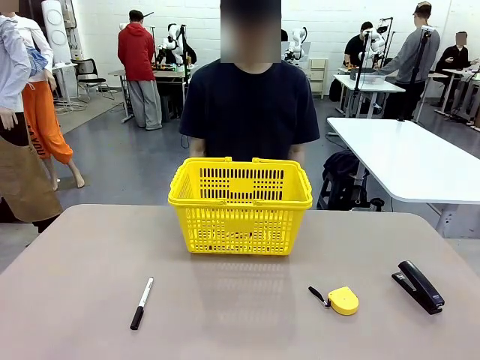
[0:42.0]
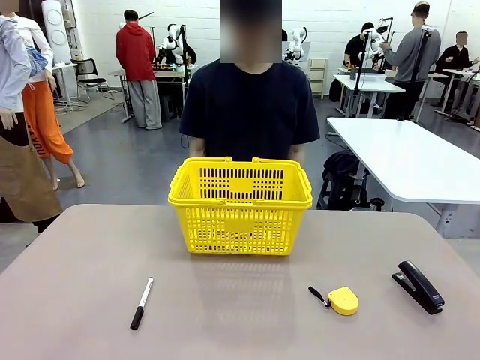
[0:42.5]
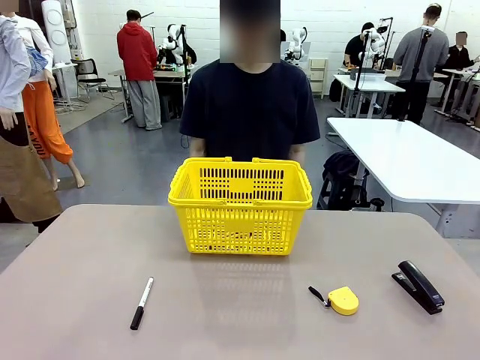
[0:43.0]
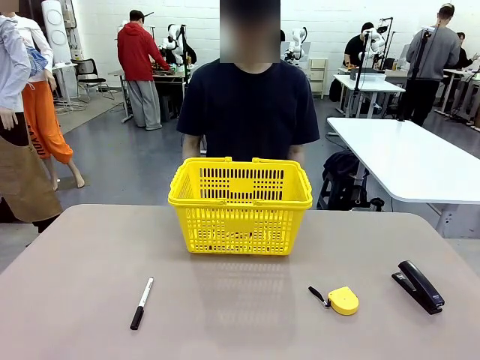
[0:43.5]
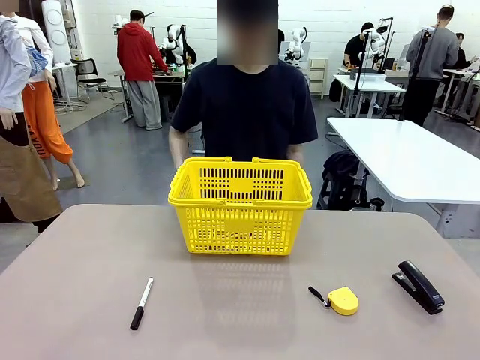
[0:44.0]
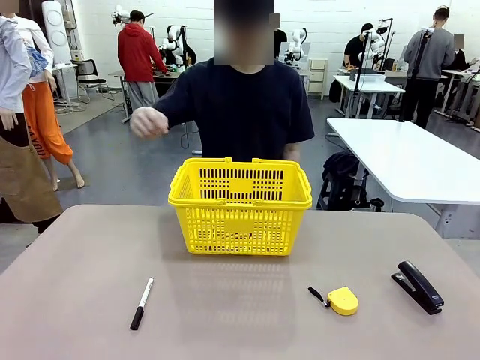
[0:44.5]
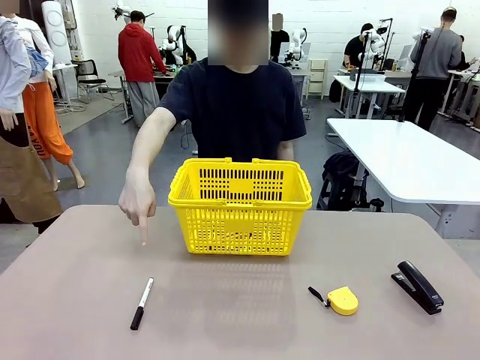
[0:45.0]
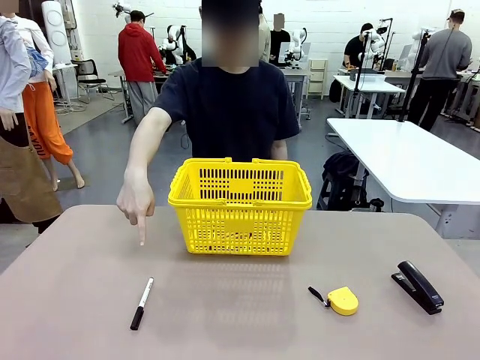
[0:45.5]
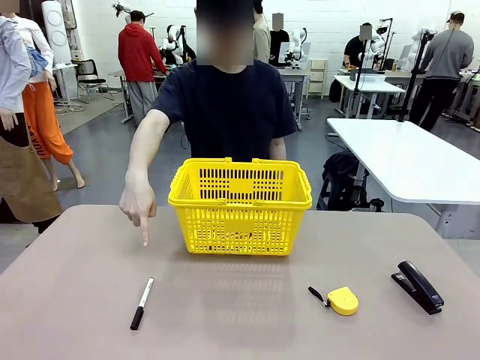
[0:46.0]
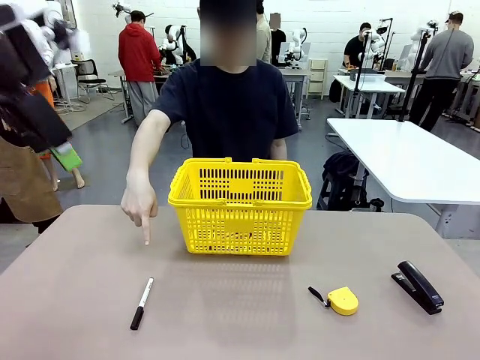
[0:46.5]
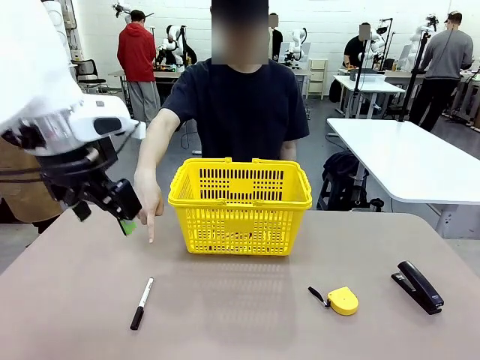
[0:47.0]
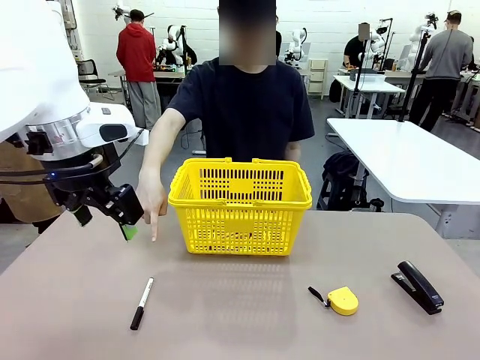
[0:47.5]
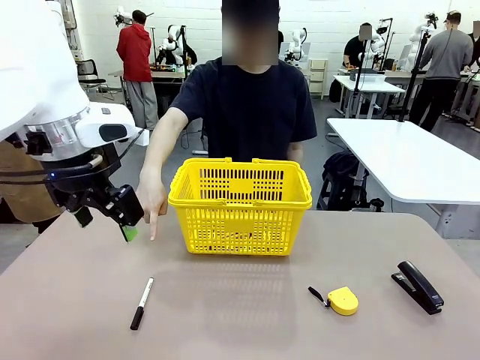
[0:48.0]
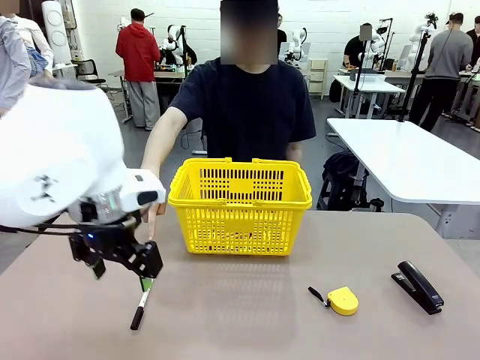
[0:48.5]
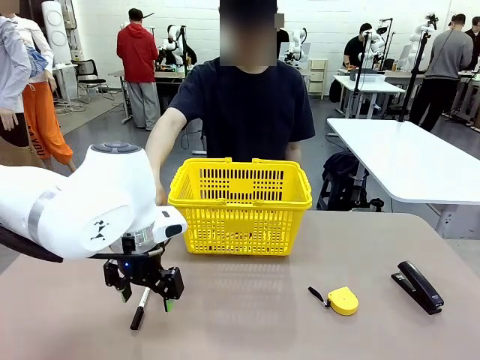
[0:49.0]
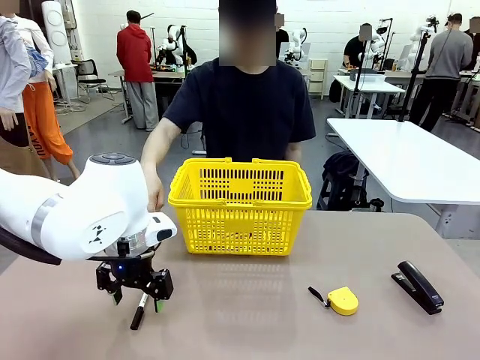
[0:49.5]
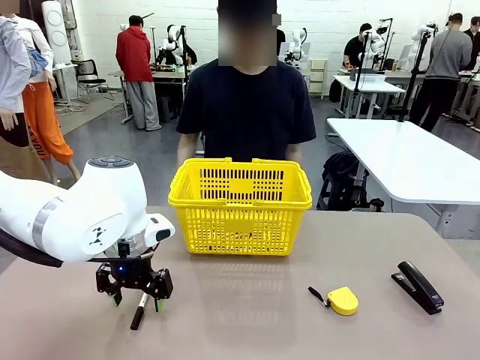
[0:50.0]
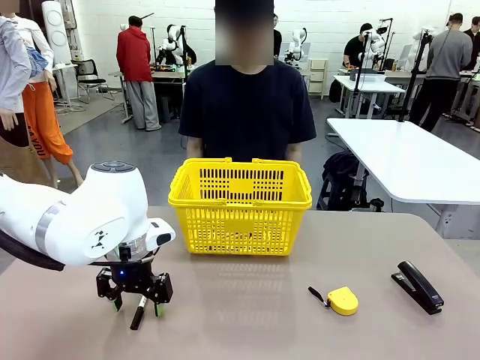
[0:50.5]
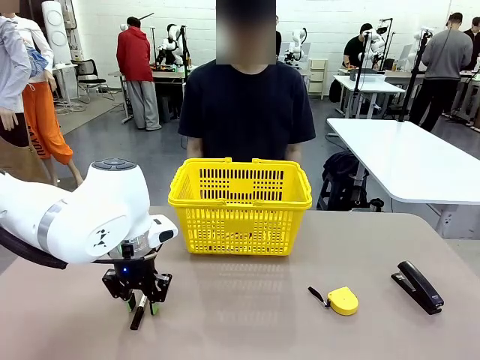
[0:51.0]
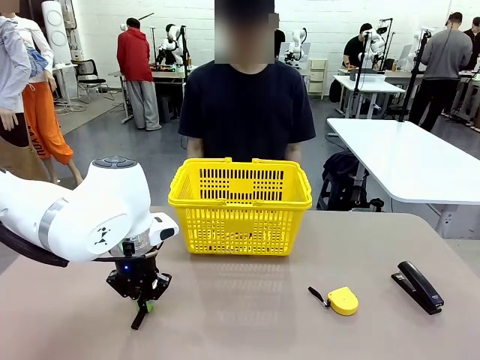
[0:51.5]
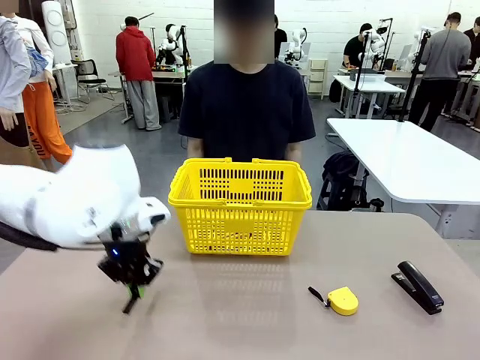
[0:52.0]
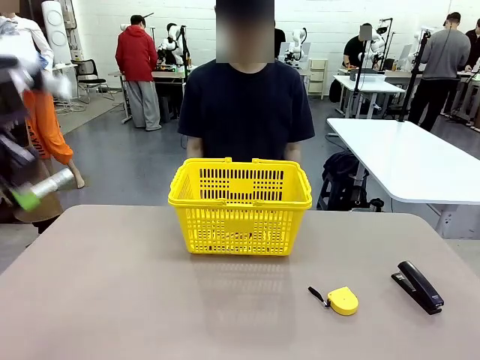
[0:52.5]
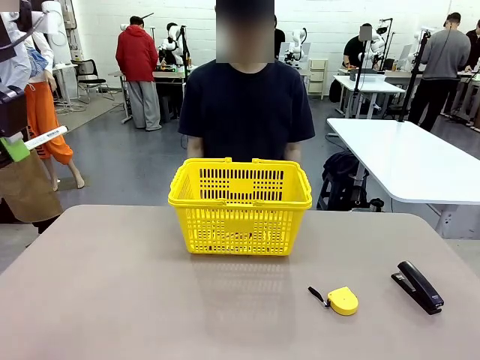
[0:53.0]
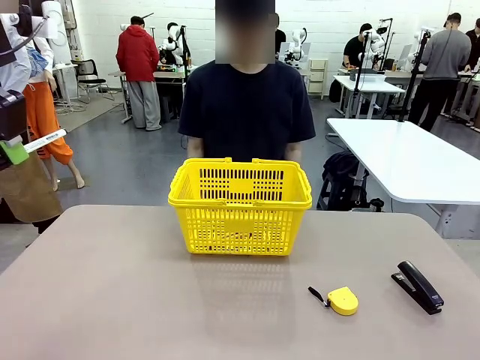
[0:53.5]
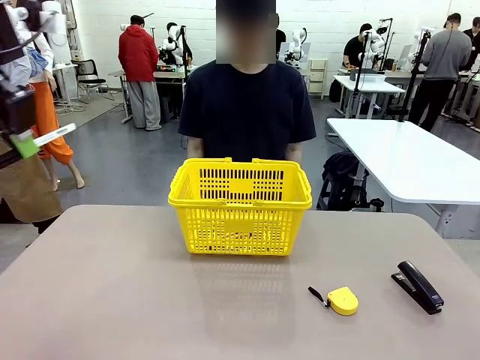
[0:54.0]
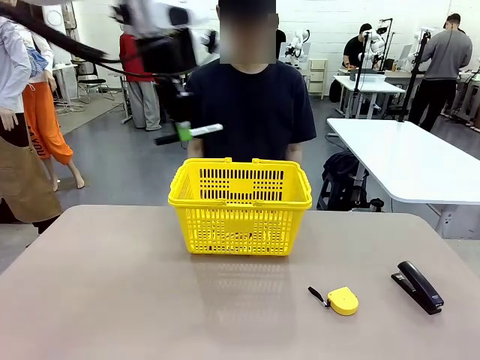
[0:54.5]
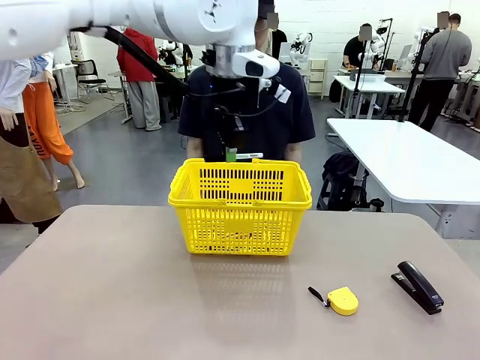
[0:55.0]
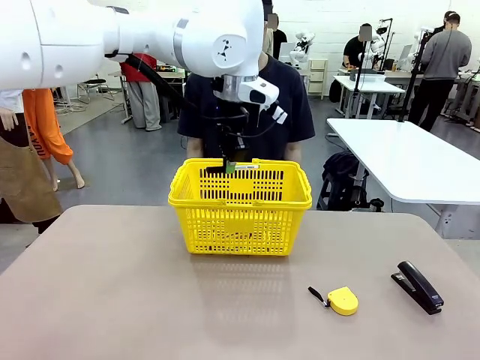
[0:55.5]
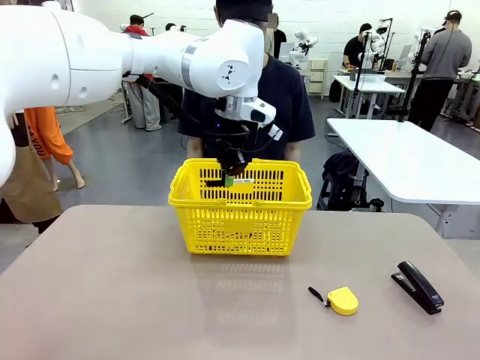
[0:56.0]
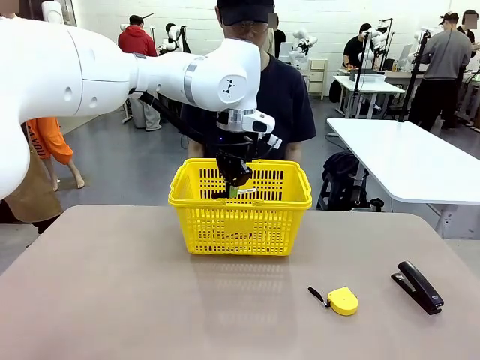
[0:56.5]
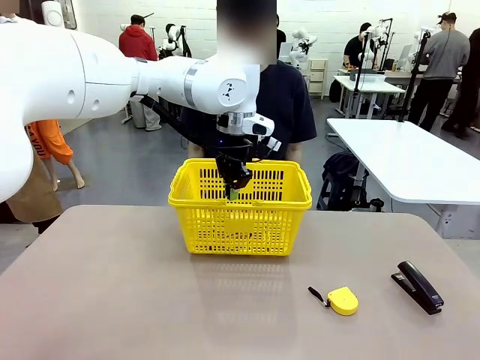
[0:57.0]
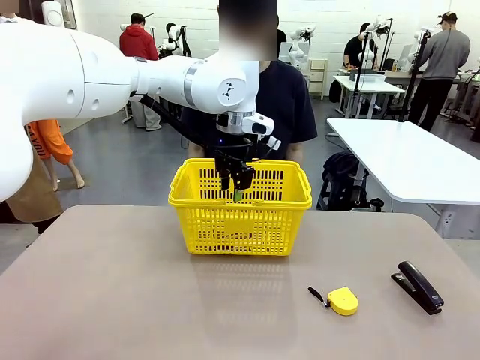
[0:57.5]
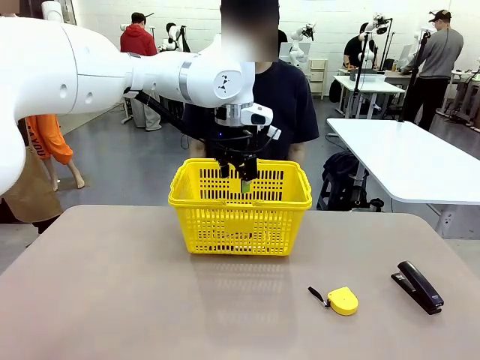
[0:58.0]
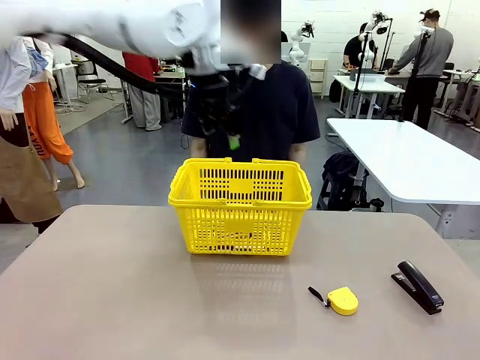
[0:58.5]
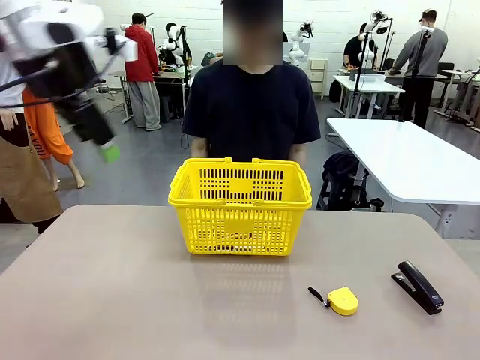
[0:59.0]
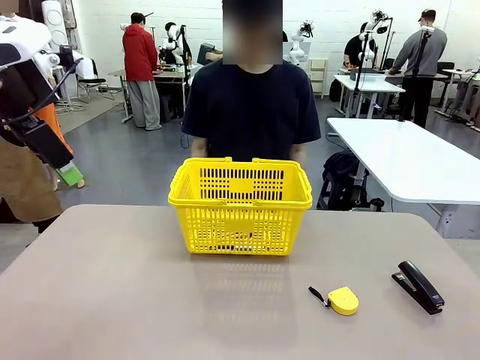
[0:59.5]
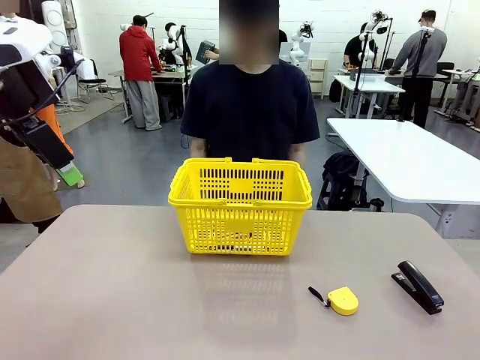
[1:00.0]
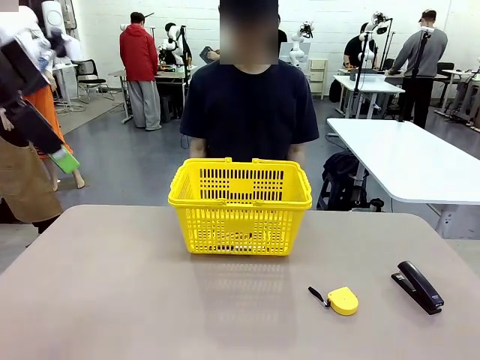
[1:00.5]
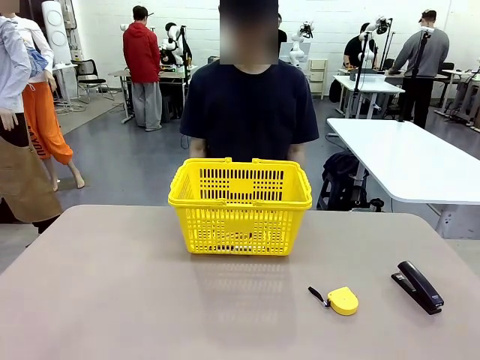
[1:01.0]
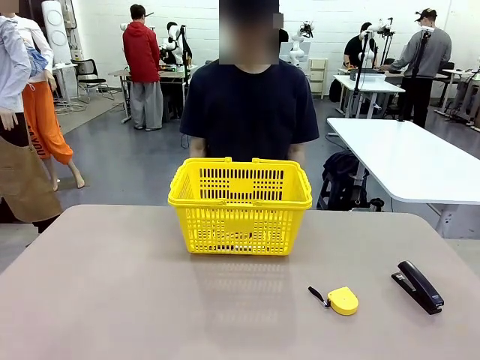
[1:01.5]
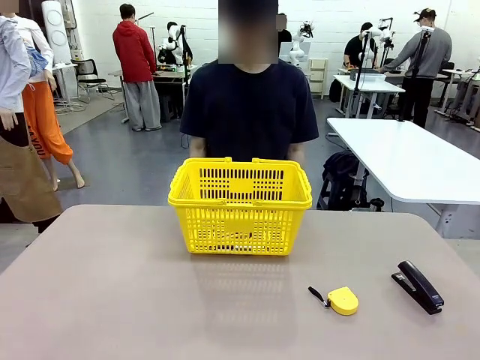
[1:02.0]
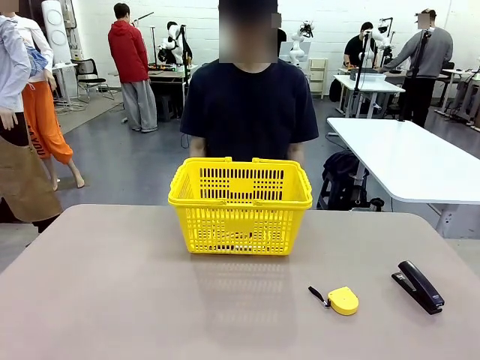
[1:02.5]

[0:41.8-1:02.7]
Task: Place the items the person wants into the basket.
Robot: Pick up the item the person points to and place it in the Market Basket.

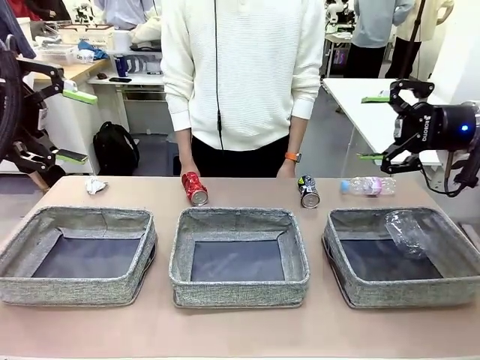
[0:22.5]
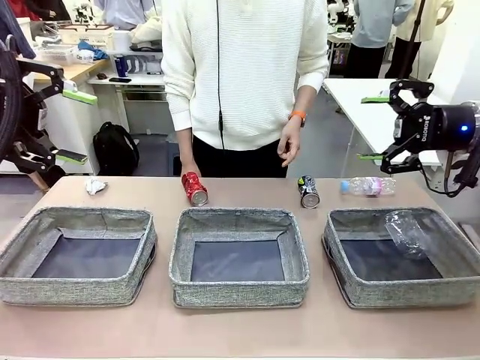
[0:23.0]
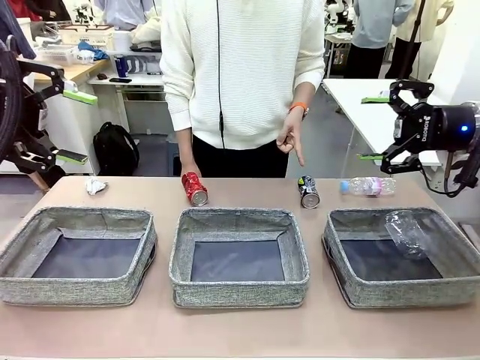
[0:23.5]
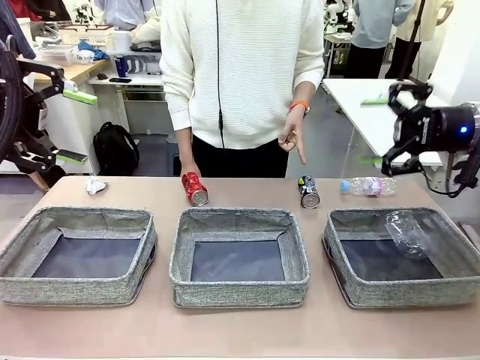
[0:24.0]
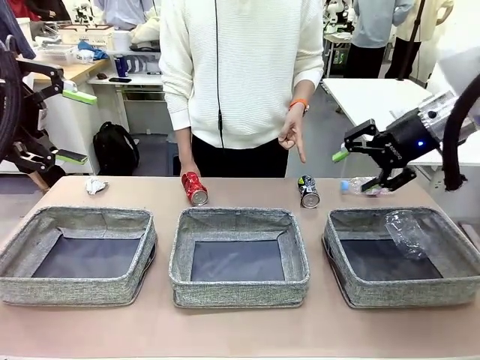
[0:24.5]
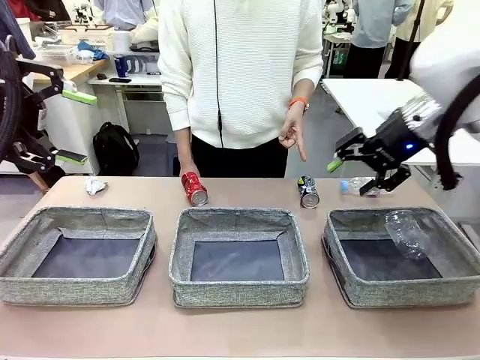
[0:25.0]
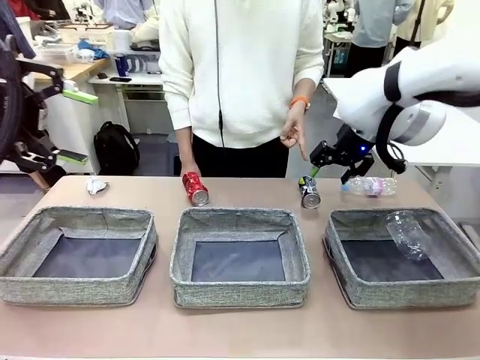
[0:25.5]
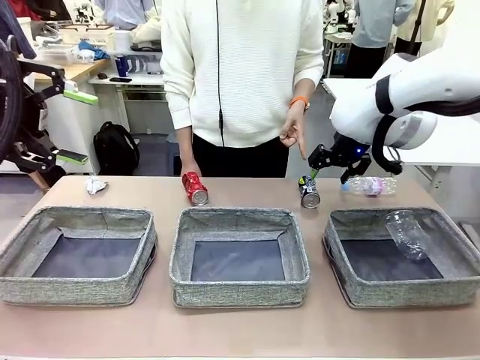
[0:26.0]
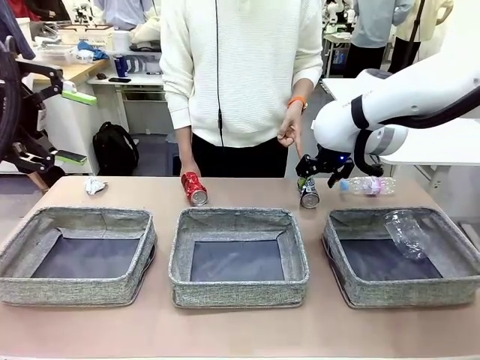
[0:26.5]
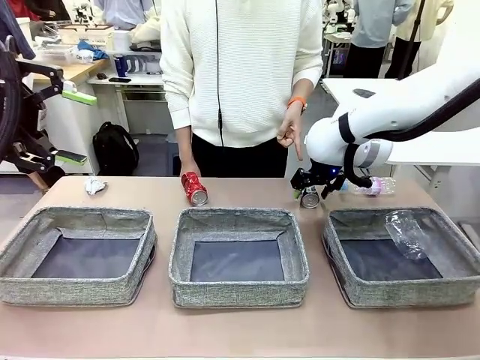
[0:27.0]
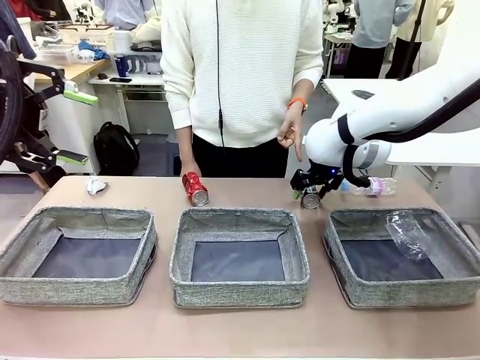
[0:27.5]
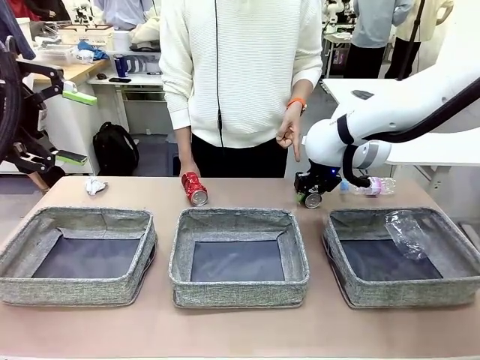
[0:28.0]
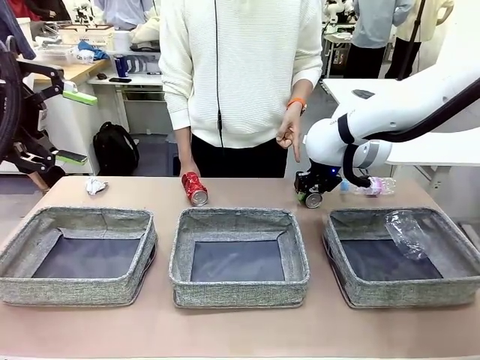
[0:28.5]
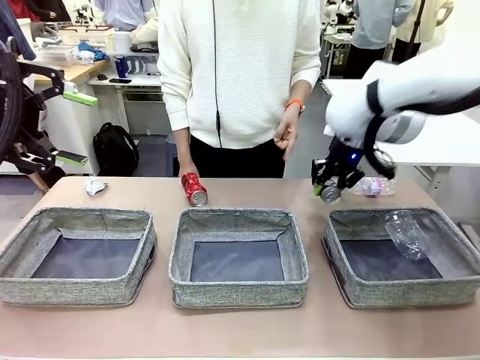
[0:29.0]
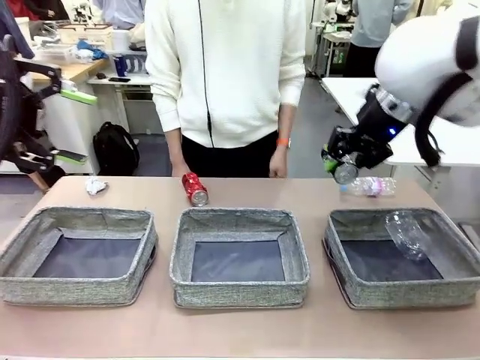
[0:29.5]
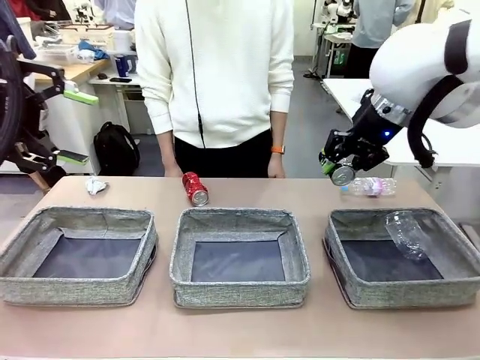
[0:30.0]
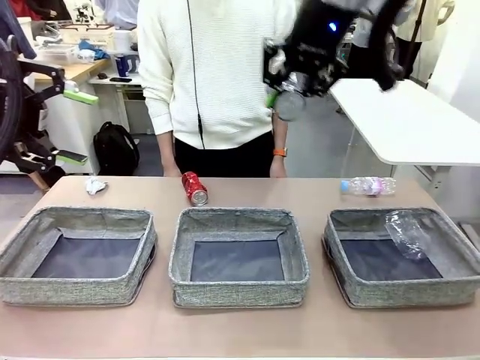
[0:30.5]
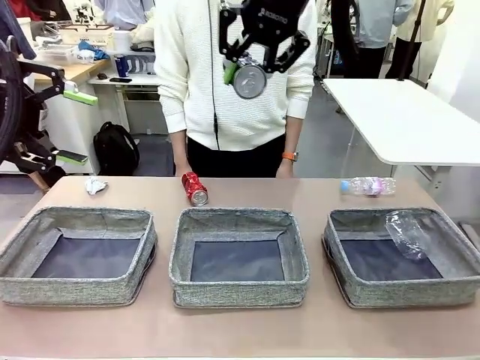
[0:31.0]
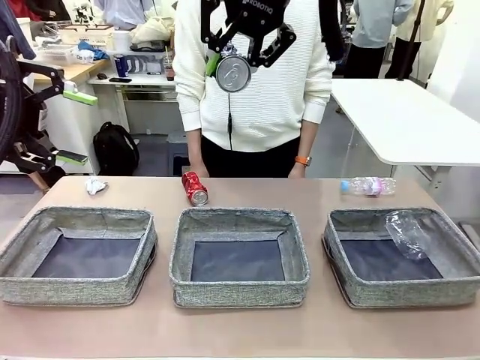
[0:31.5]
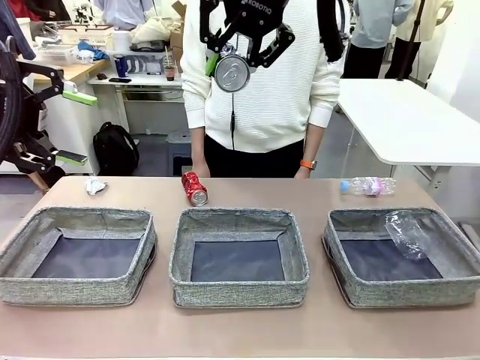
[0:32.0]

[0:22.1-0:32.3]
Task: Sort the waste into the appropriate baskets.
Robot: Pick up the waste item pointed out by the person.
Person: Points to one piece of trash on the table.
